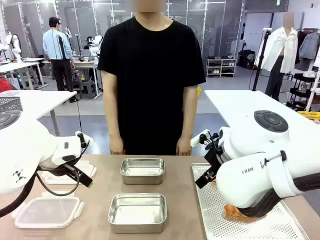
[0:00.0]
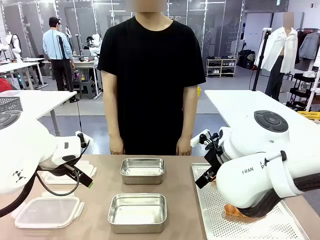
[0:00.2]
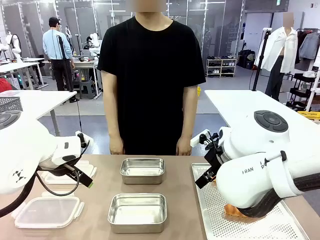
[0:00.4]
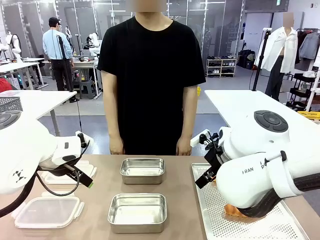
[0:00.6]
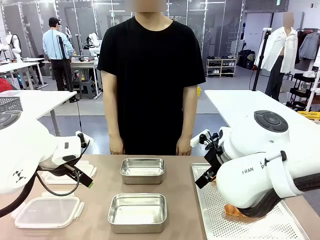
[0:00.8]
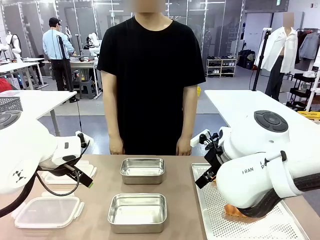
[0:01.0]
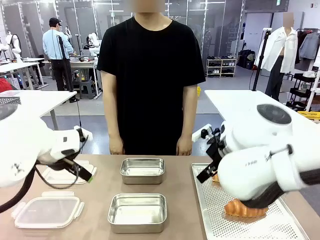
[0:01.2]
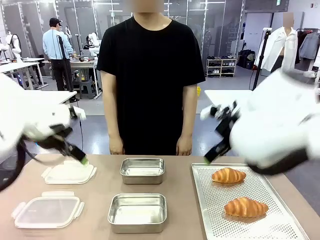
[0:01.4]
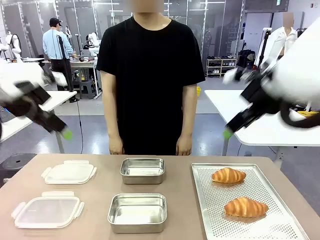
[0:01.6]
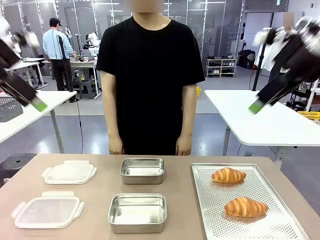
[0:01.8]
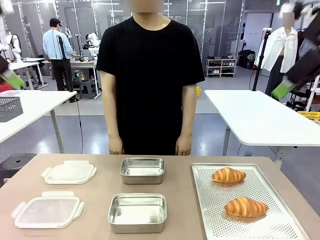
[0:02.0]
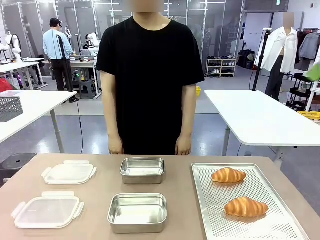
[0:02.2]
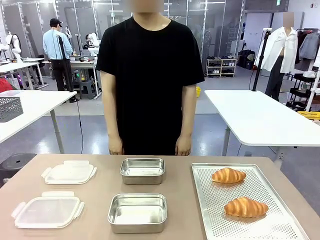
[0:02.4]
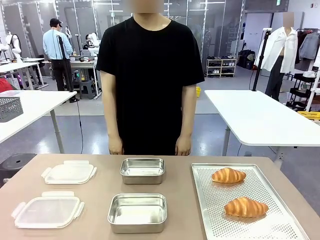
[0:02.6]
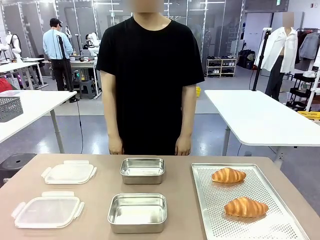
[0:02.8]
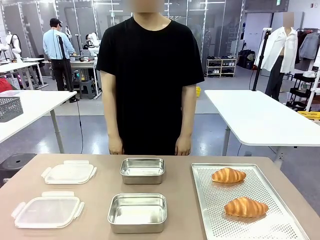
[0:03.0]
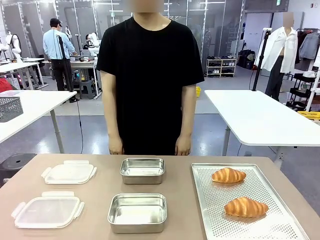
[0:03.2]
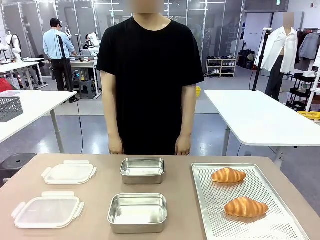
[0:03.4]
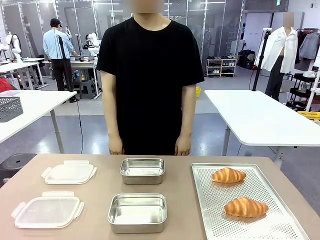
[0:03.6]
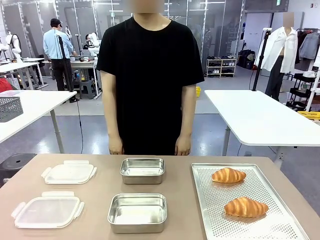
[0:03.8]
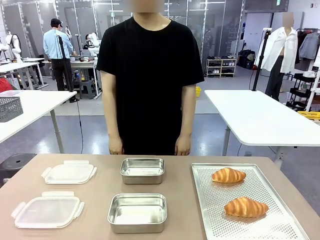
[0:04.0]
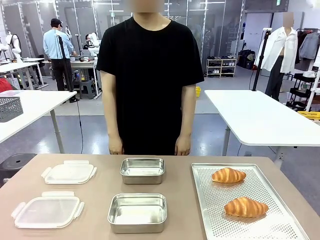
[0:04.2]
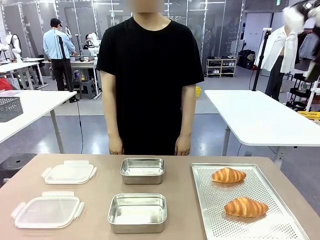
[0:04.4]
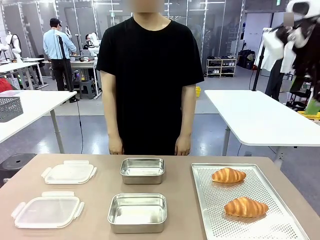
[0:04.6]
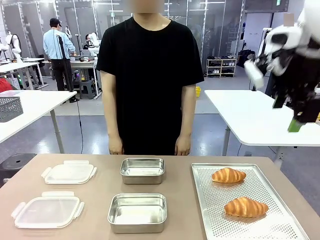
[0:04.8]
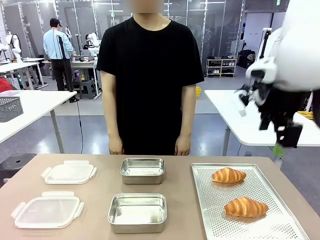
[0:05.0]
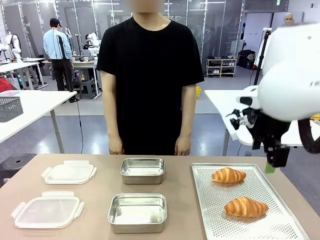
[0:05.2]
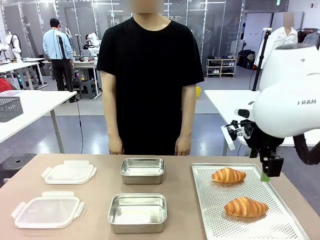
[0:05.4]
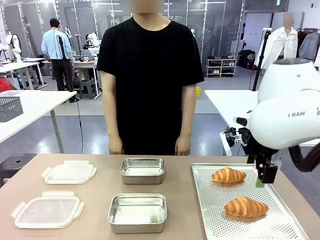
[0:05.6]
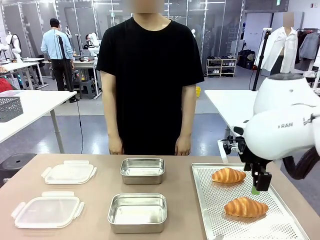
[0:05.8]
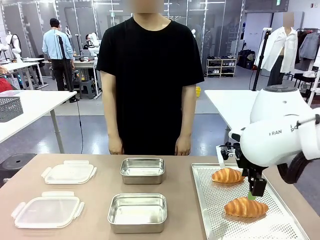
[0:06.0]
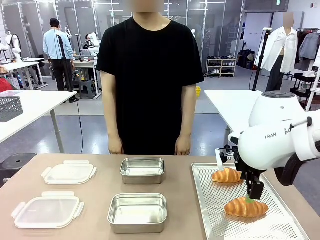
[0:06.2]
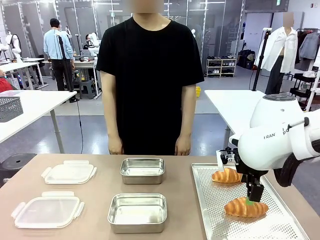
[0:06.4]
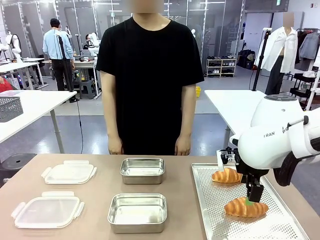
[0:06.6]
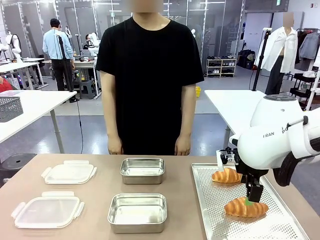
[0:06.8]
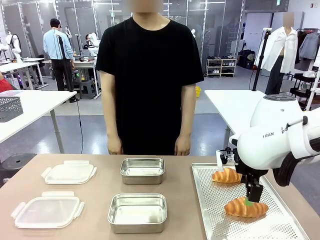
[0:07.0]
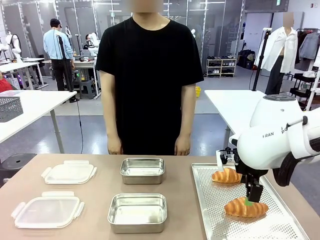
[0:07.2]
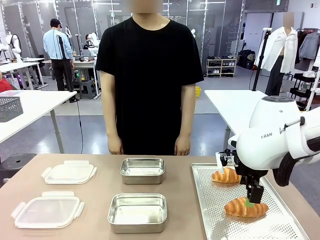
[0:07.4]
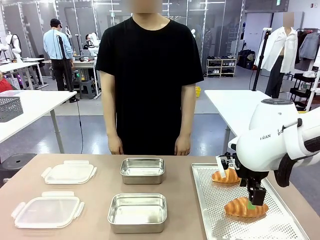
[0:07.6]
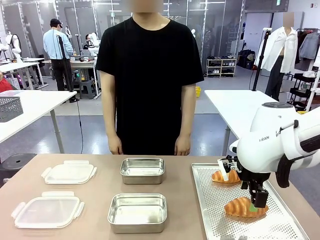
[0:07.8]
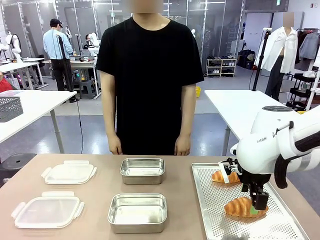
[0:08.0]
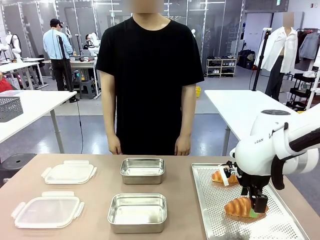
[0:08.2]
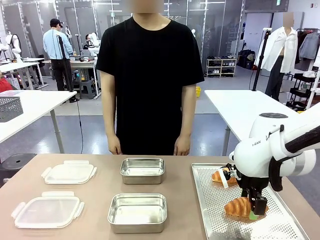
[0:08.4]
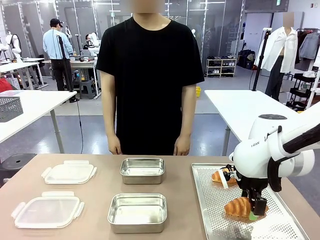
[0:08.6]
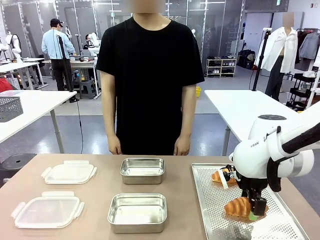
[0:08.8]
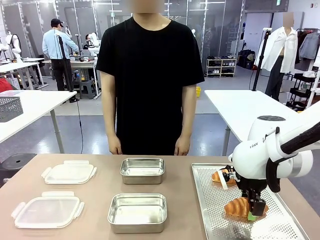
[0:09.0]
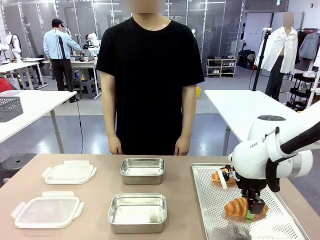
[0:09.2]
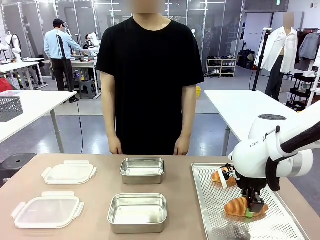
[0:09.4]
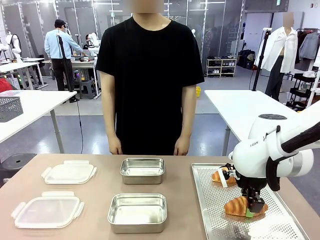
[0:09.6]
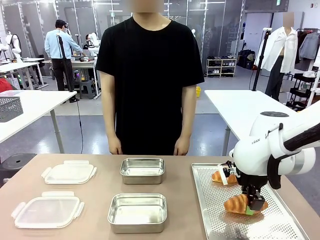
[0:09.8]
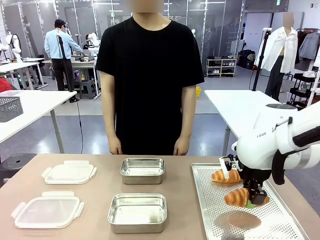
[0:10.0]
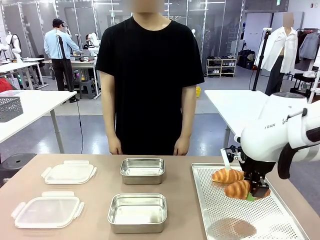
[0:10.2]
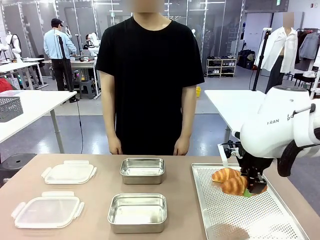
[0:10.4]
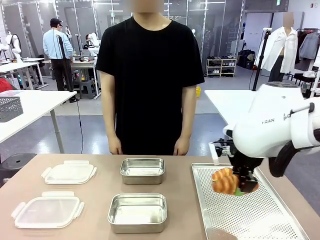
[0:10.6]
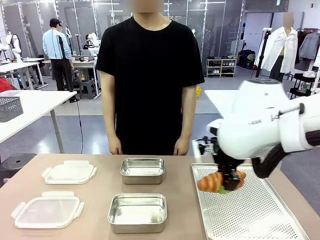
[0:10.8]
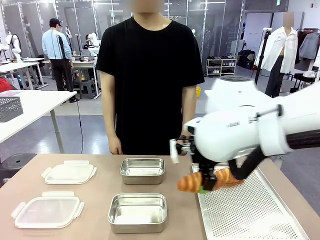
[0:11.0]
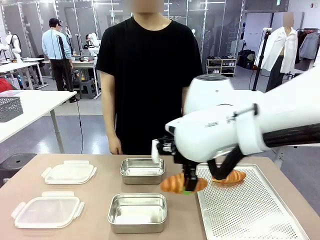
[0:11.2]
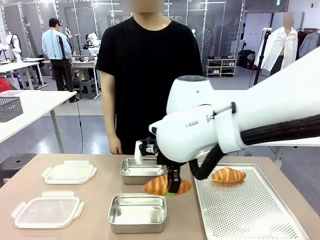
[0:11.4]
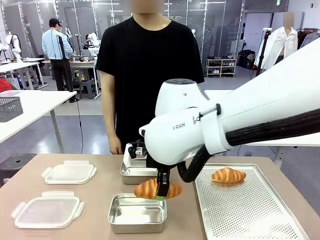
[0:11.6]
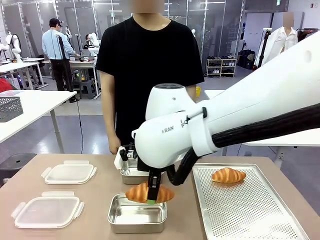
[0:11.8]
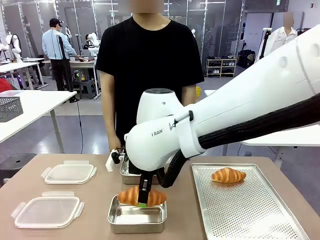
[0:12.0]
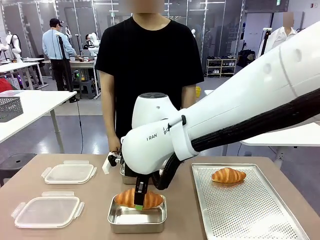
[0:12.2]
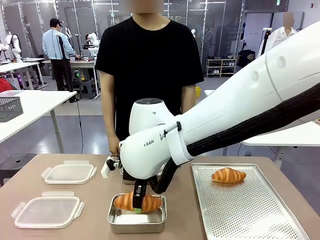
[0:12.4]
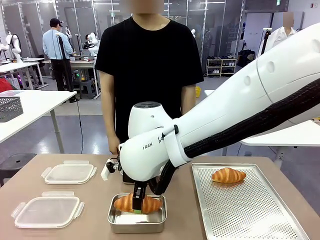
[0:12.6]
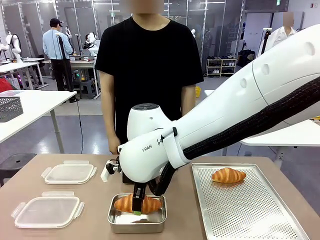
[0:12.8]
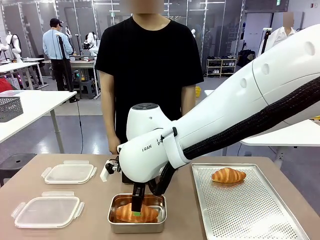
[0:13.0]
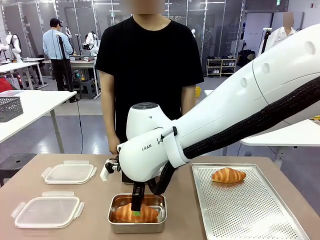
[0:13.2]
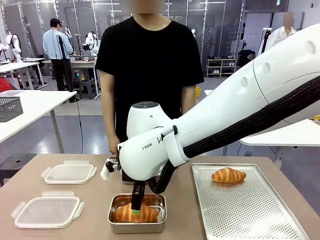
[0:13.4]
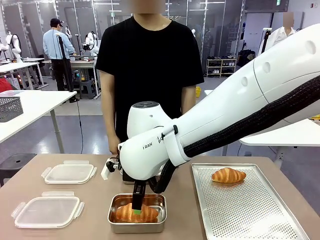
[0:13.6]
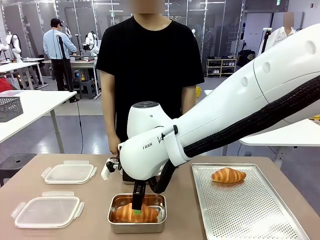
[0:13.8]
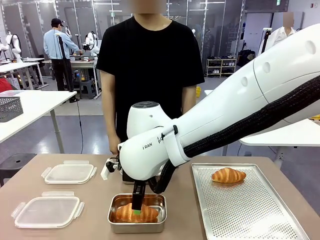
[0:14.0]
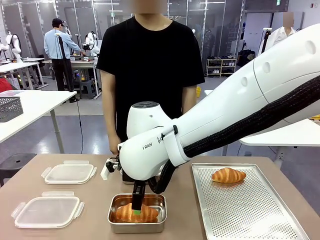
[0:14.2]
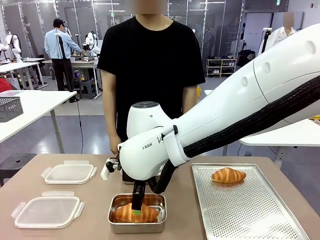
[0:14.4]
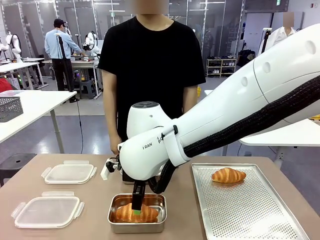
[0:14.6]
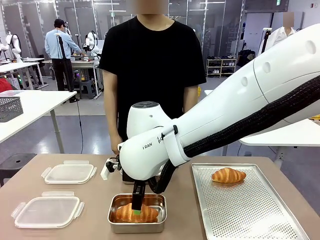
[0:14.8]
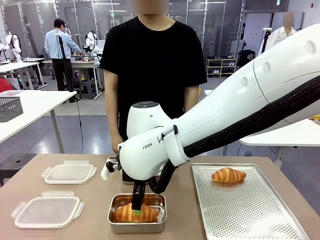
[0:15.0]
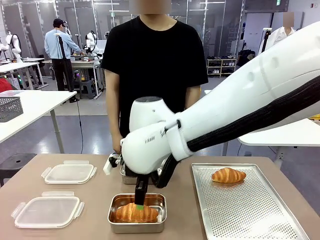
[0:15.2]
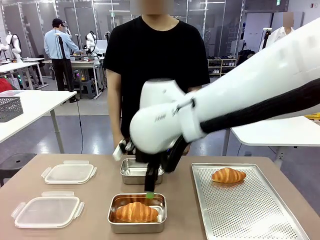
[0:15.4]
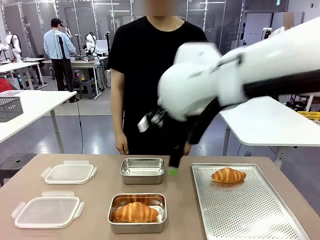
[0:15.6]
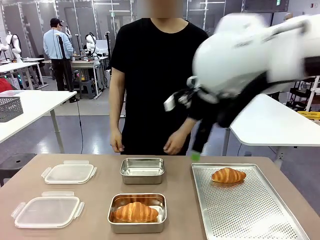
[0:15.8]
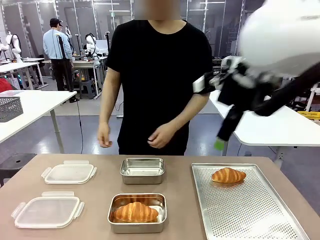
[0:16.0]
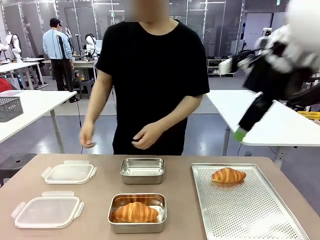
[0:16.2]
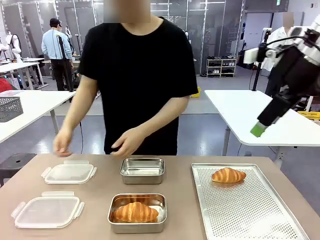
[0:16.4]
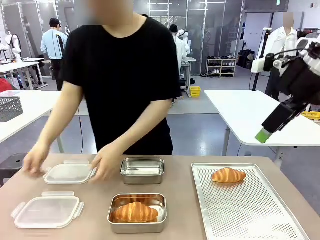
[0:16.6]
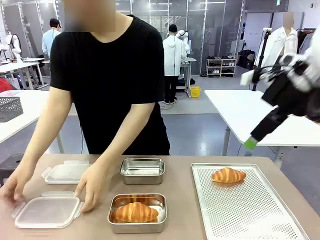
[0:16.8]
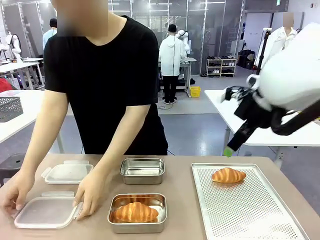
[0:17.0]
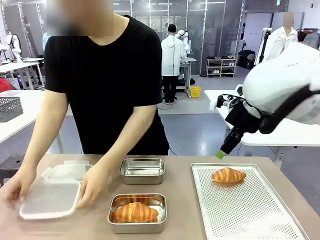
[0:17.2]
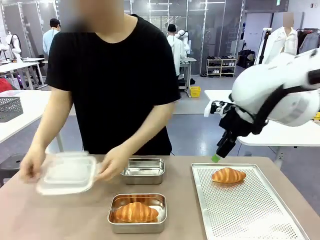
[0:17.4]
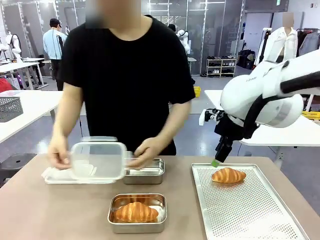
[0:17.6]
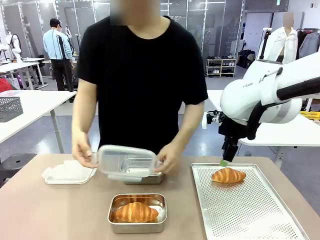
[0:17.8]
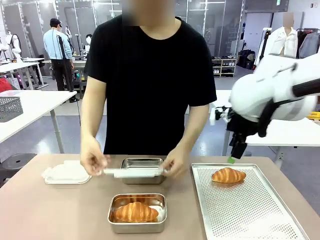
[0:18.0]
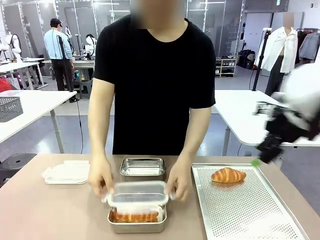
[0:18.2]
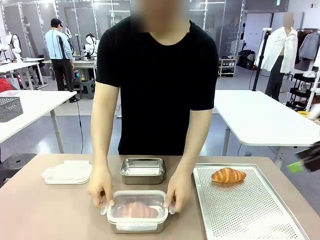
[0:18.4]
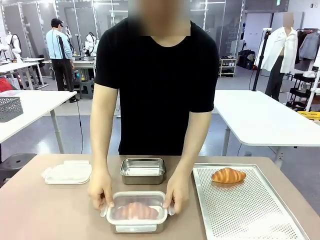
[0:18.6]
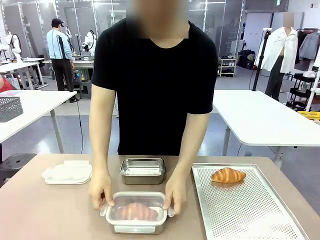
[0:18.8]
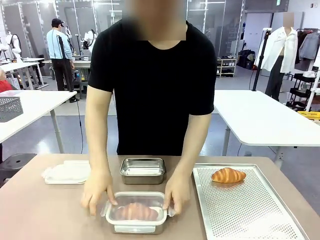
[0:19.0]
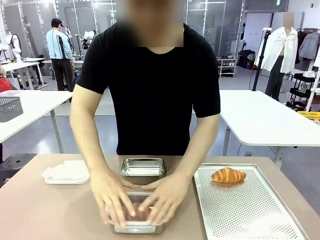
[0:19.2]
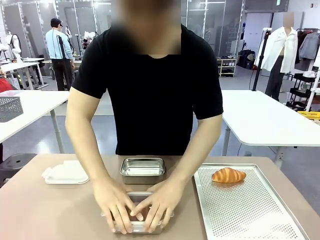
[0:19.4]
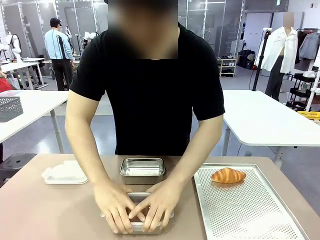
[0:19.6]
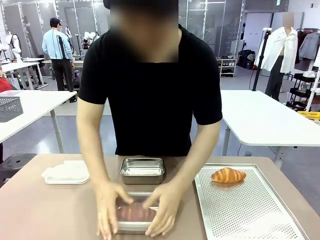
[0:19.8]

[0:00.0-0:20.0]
Task: Place the bread into the airtight container.
Robot: Pick up a Butter Roll and place it into an empty Airtight Container.
